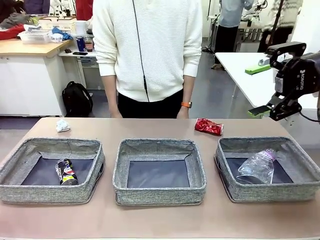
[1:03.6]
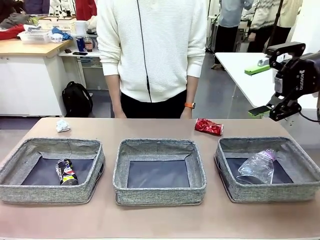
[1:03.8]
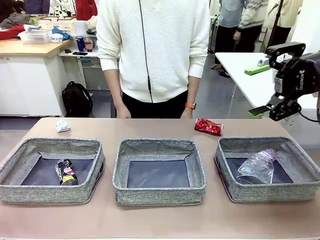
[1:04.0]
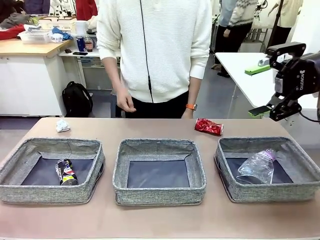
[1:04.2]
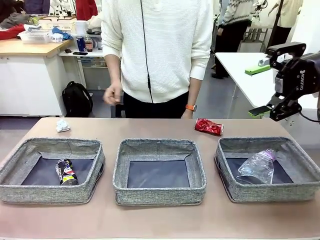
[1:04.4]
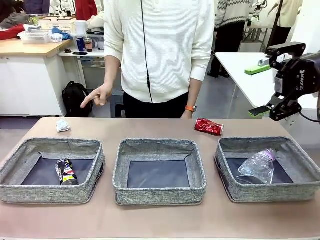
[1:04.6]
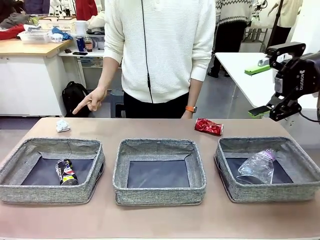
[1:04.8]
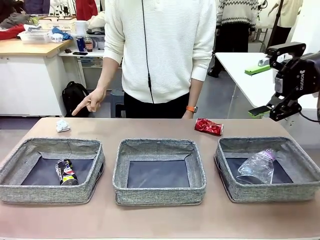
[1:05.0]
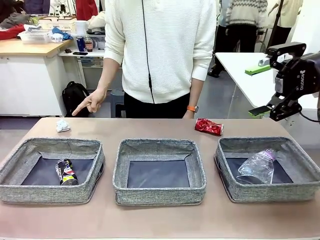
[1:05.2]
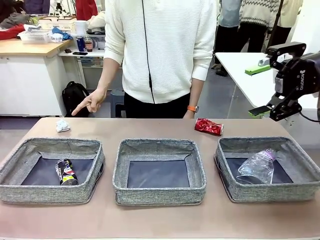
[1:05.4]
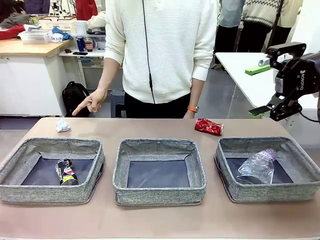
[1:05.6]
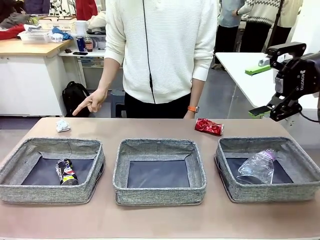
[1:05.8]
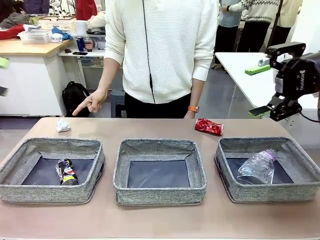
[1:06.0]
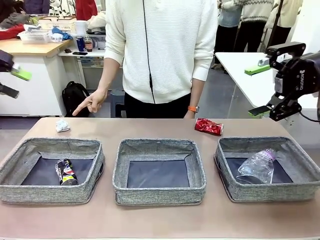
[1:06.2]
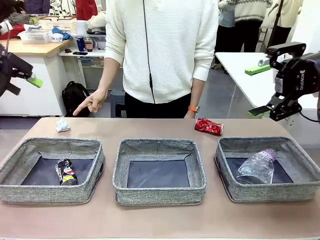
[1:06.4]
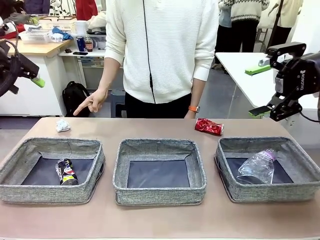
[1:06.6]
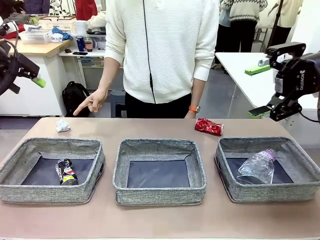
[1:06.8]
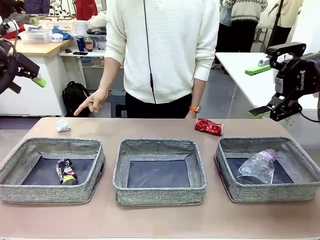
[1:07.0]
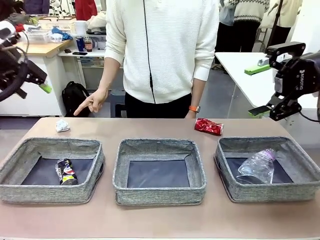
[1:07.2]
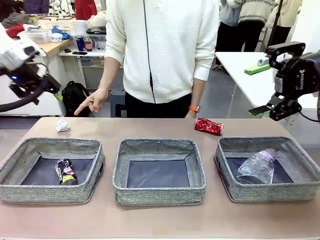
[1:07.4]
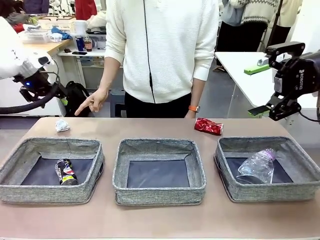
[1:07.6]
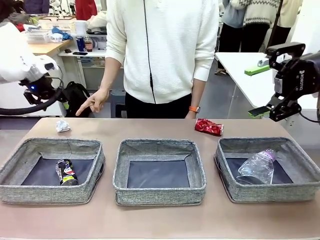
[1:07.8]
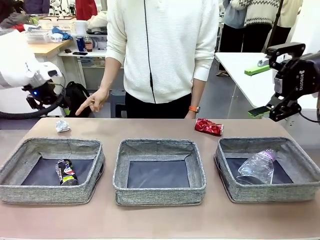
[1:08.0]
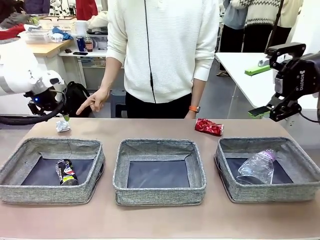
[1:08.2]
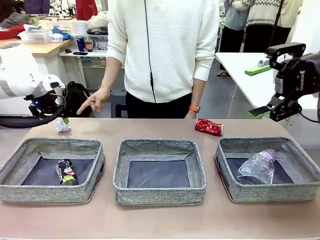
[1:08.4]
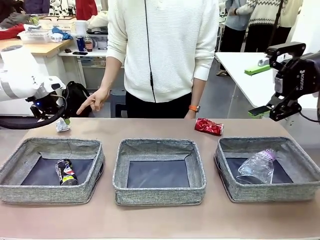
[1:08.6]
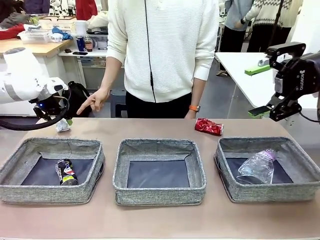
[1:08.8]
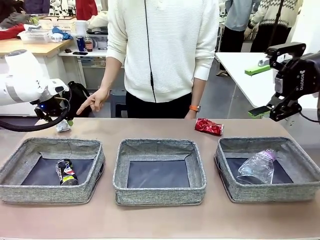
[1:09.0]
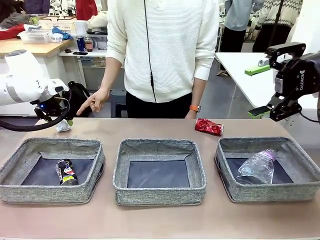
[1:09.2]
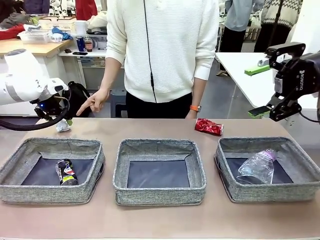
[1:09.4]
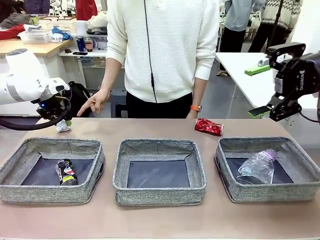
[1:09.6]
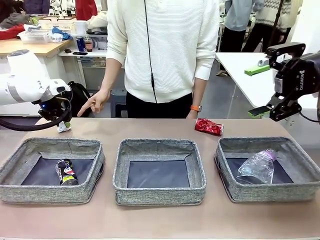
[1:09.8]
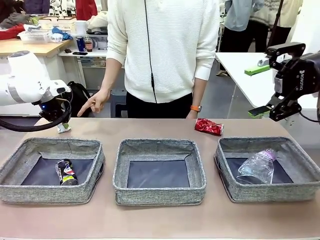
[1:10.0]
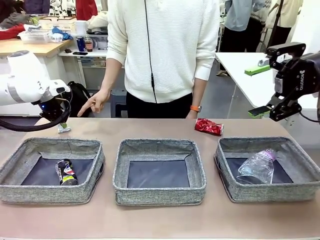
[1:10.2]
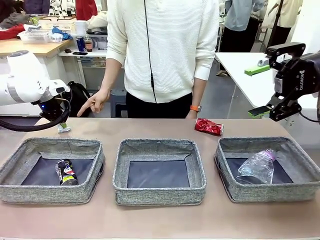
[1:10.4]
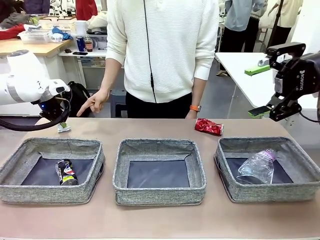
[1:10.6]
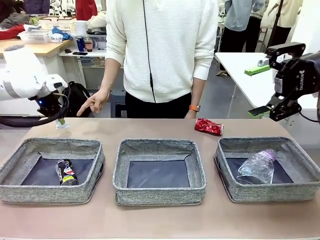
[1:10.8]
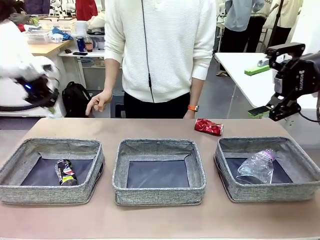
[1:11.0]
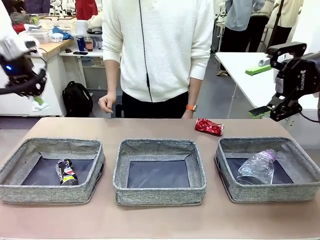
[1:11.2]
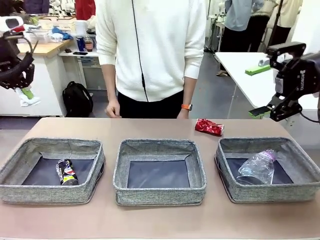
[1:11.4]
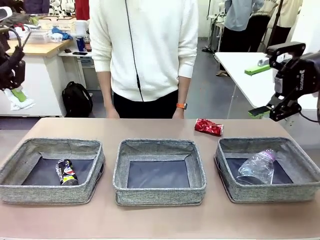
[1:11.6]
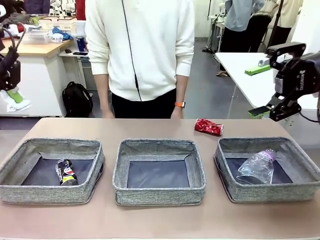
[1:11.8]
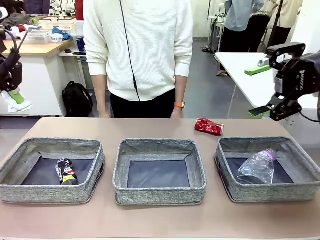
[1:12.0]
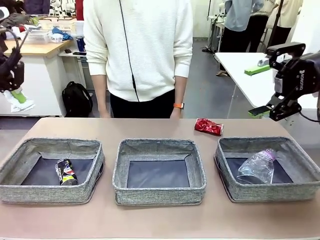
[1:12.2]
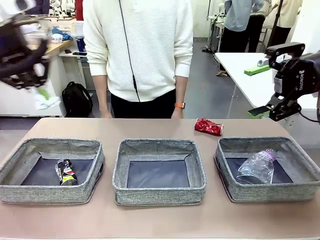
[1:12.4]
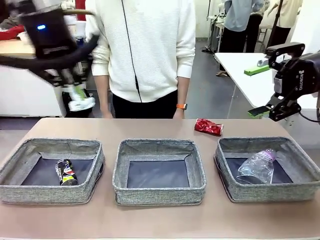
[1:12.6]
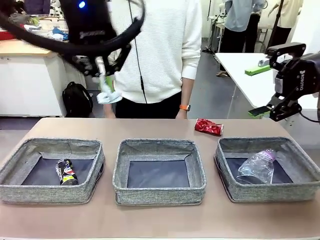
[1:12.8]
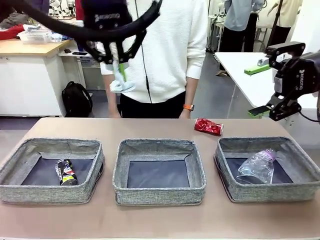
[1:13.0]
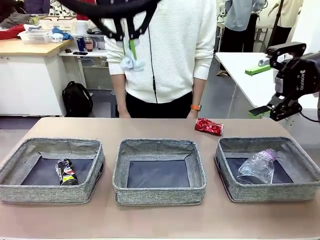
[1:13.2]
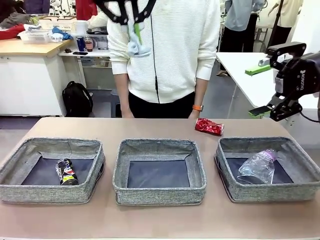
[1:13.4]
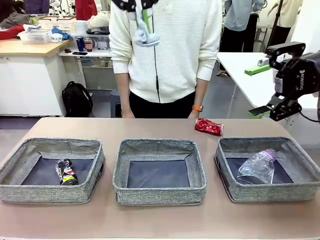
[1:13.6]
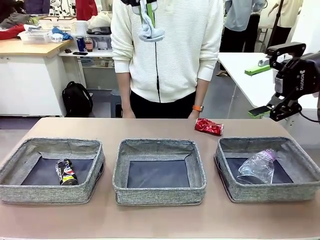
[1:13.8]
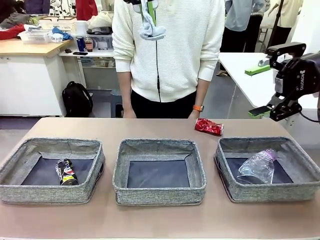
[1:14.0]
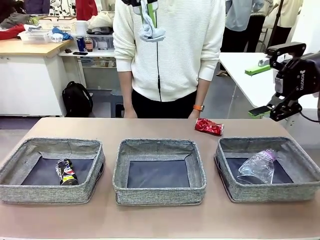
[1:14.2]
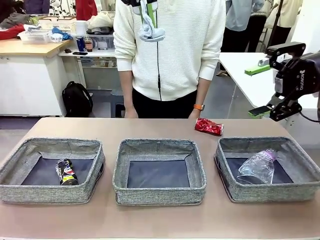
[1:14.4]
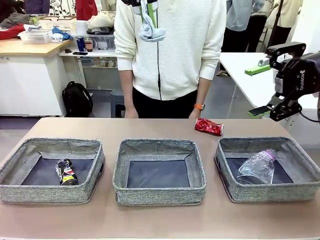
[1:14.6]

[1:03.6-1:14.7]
Task: Sort the waste into the appropriate baskets.
Robot: Pick up the waste item pointed out by the person.
Person: Points to one piece of trash on the table.

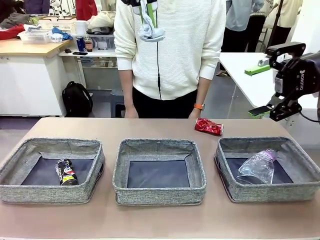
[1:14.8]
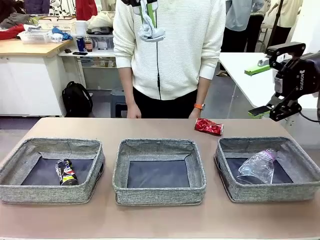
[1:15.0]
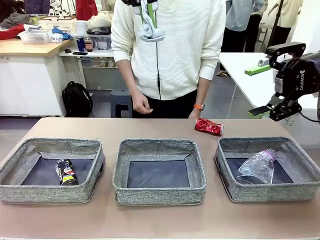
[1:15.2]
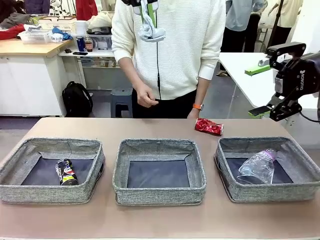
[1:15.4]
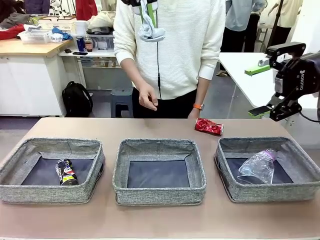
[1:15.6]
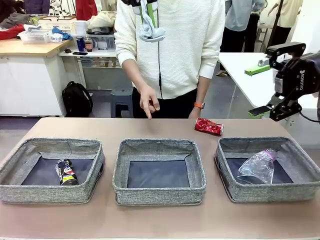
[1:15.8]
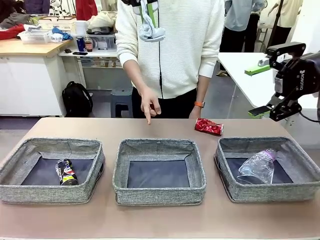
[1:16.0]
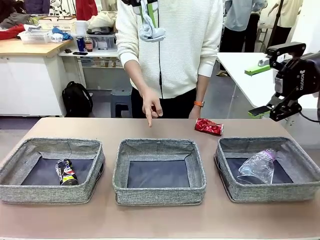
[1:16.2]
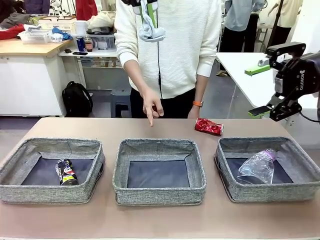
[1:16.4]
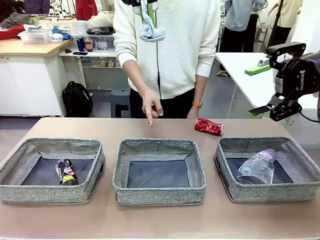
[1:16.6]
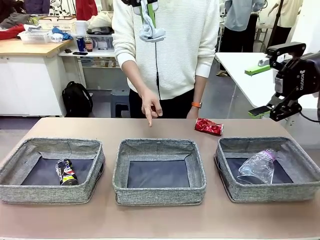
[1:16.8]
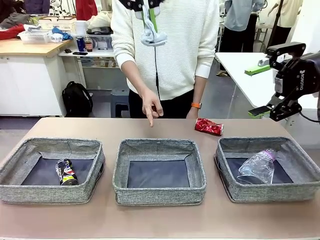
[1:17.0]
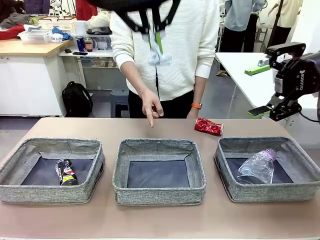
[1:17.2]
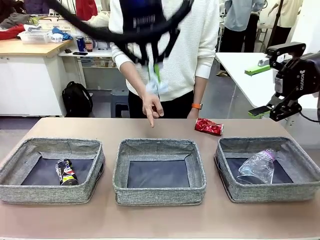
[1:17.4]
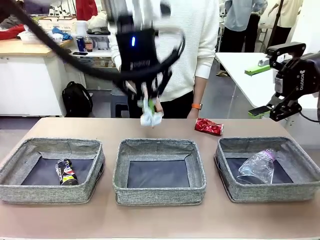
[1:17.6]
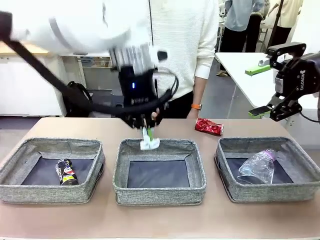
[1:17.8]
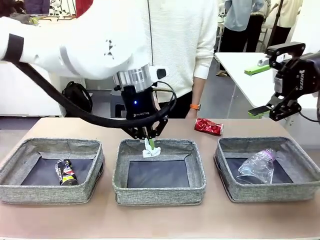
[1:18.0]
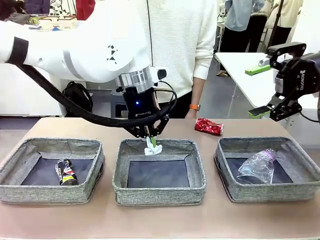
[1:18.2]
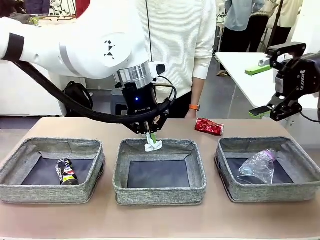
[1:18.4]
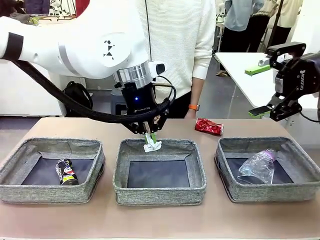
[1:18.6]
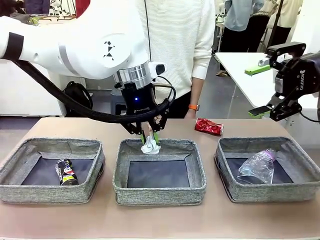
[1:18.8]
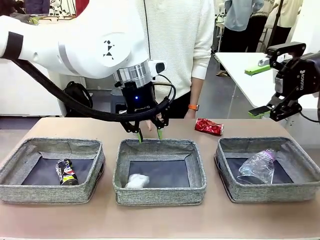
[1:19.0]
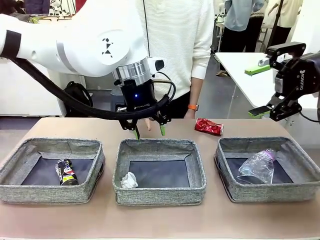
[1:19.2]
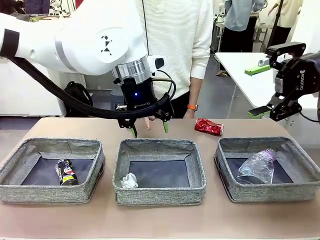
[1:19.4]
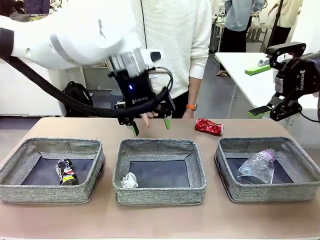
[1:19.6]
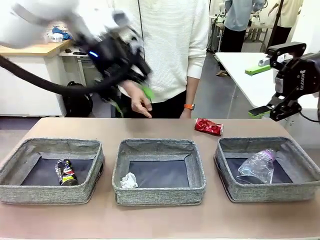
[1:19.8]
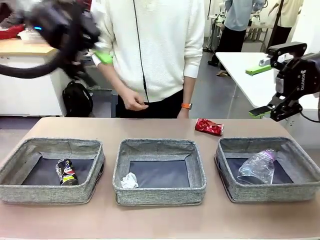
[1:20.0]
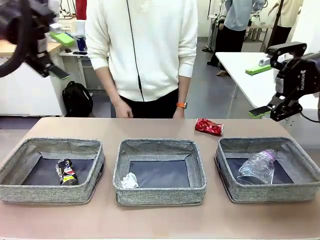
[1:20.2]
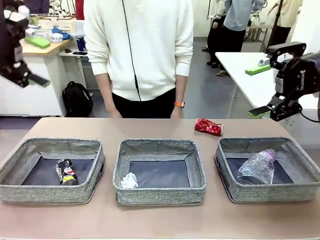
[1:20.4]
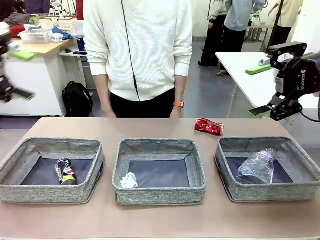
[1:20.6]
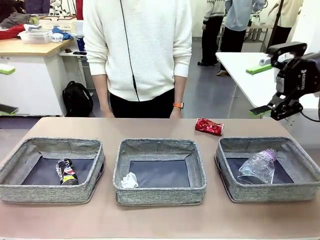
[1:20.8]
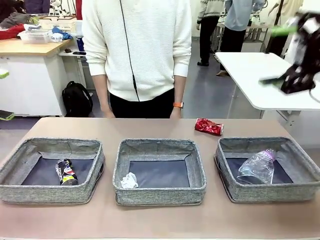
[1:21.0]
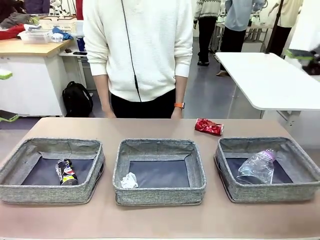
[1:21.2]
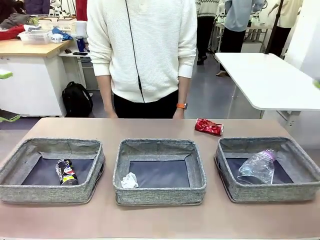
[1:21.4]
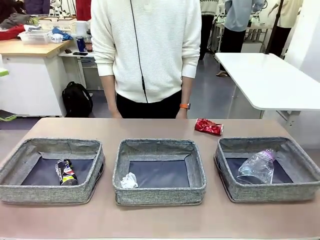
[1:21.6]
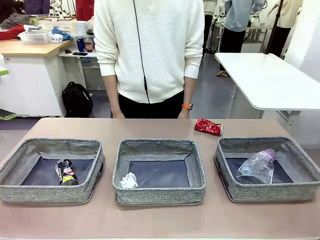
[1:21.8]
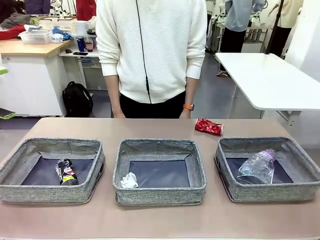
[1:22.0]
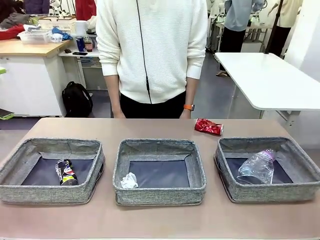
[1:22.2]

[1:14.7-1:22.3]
Robot: Place the picked waste into the Fabric basket indicated by the person.
Person: Instructs the robot to place the picked-up trash into the appropriate organizing basket.
